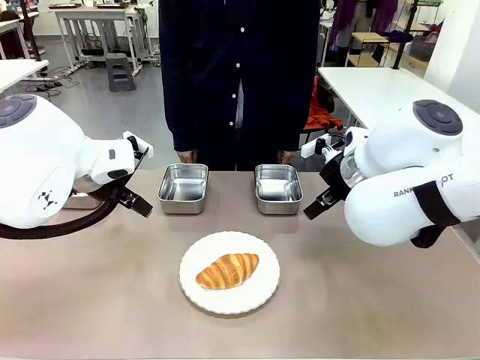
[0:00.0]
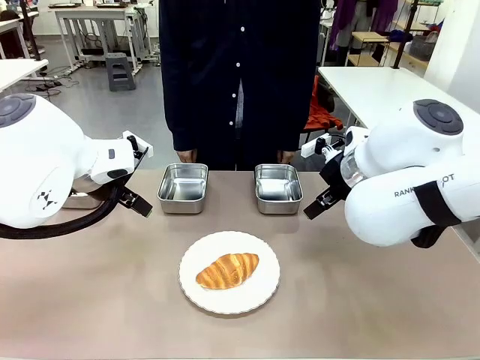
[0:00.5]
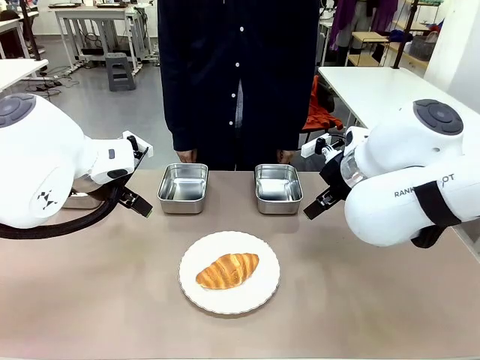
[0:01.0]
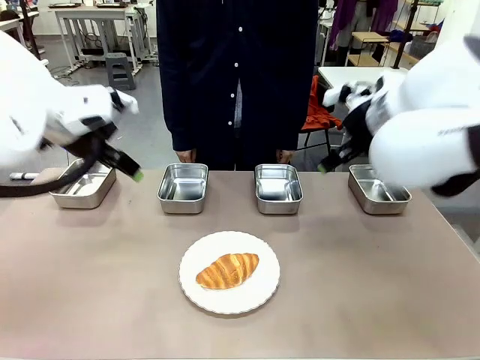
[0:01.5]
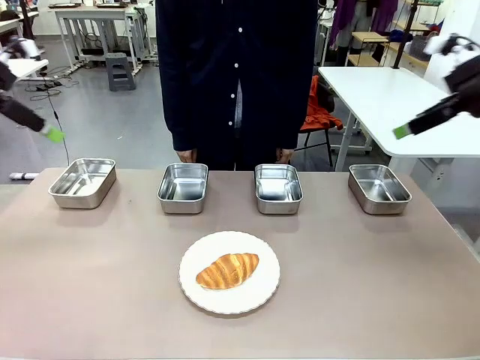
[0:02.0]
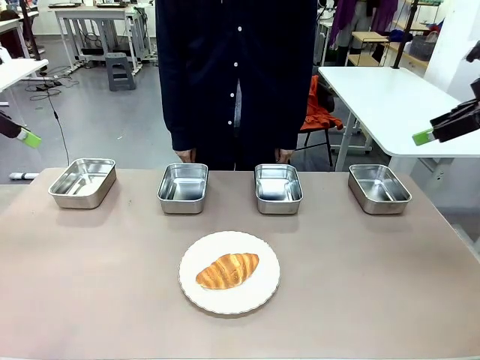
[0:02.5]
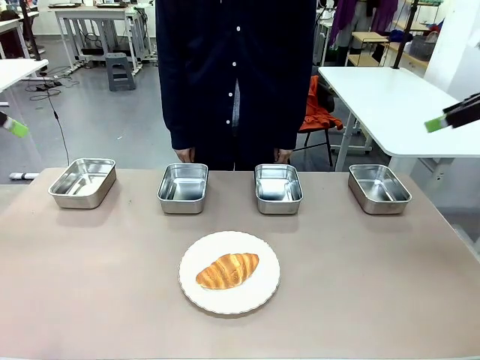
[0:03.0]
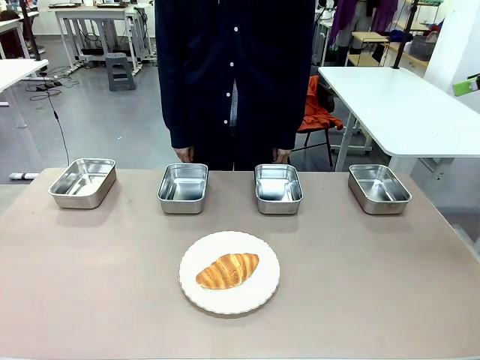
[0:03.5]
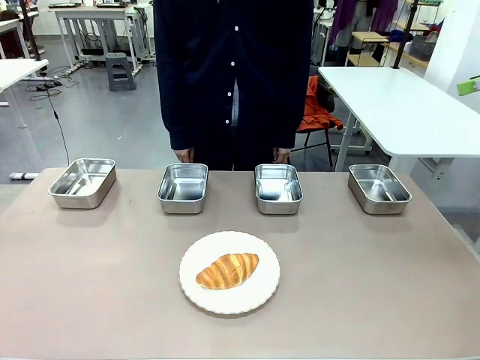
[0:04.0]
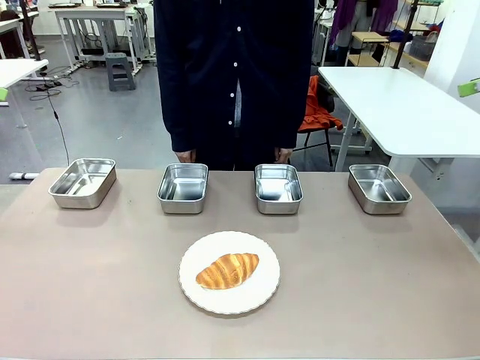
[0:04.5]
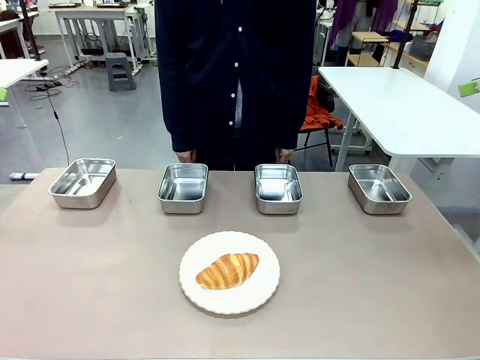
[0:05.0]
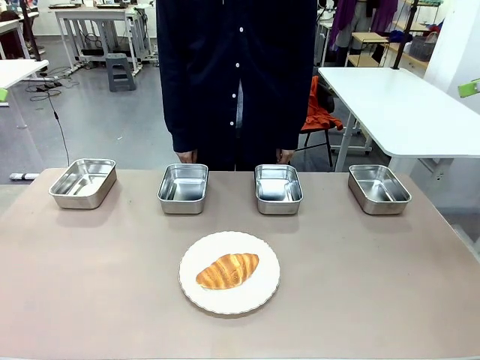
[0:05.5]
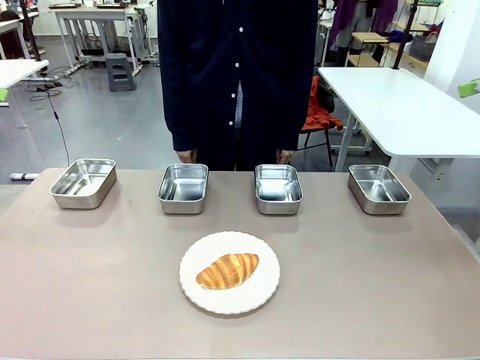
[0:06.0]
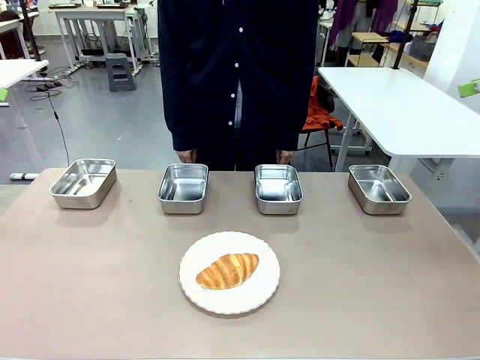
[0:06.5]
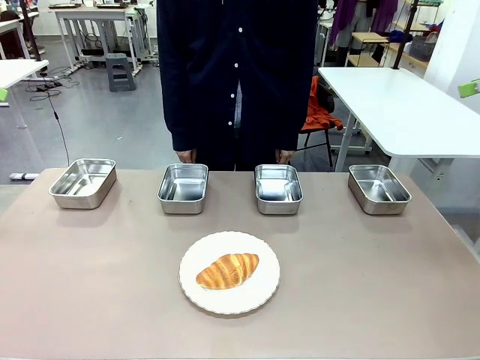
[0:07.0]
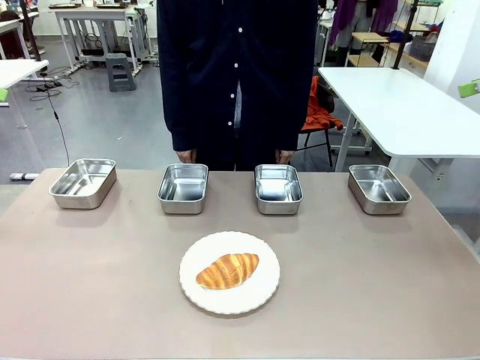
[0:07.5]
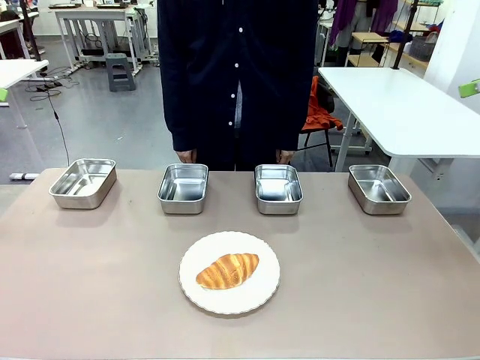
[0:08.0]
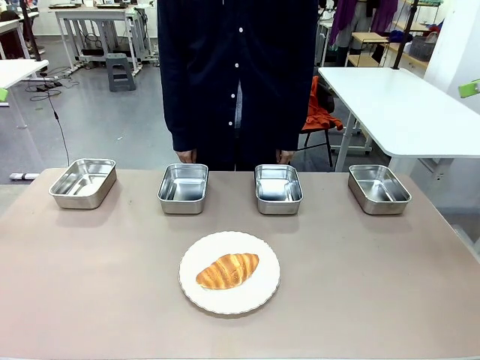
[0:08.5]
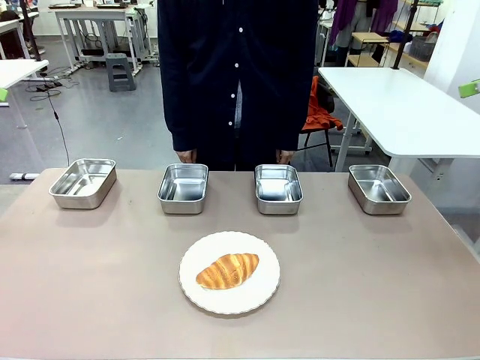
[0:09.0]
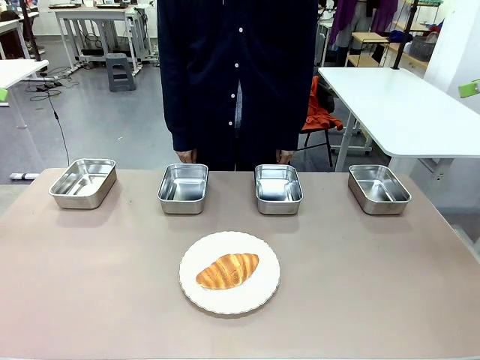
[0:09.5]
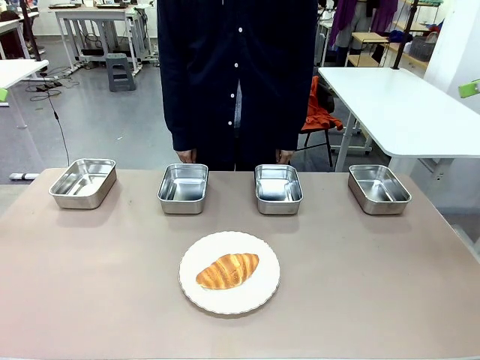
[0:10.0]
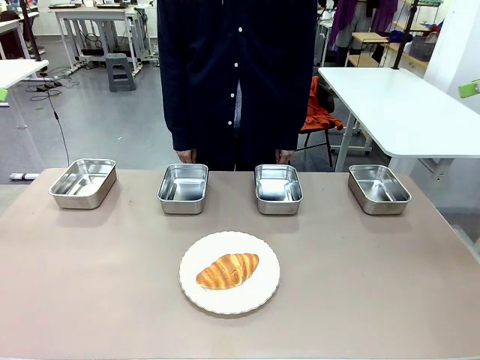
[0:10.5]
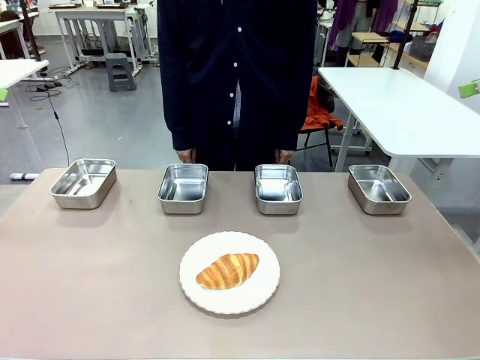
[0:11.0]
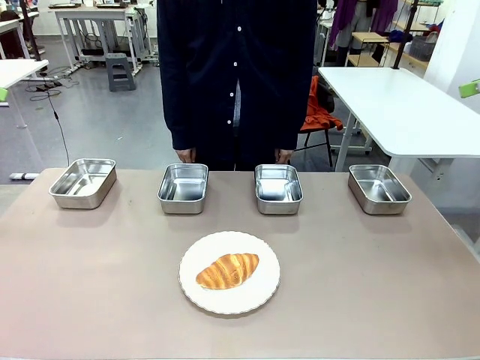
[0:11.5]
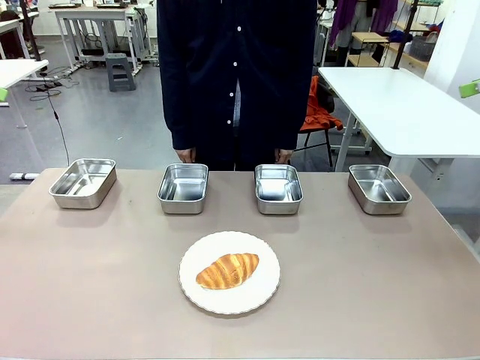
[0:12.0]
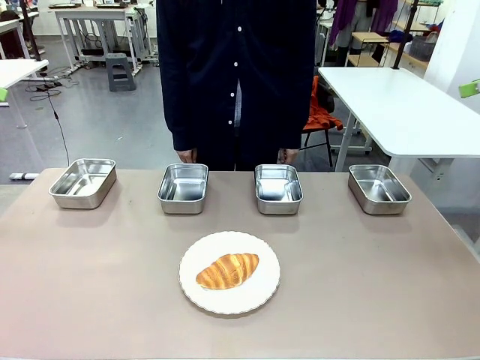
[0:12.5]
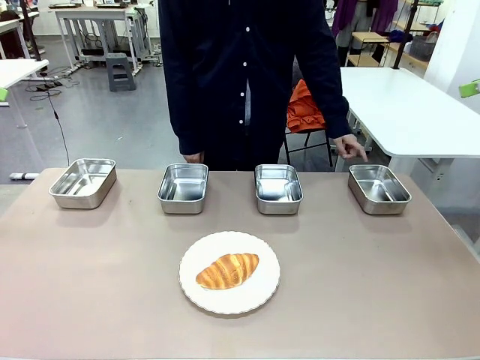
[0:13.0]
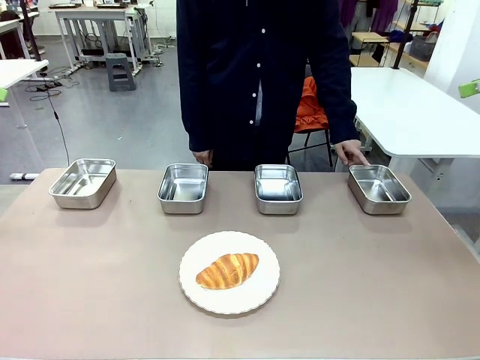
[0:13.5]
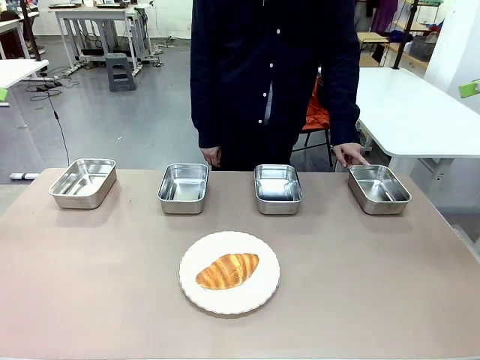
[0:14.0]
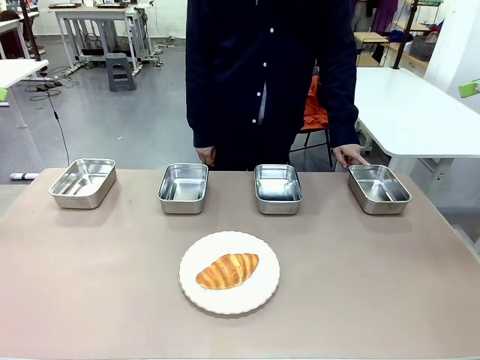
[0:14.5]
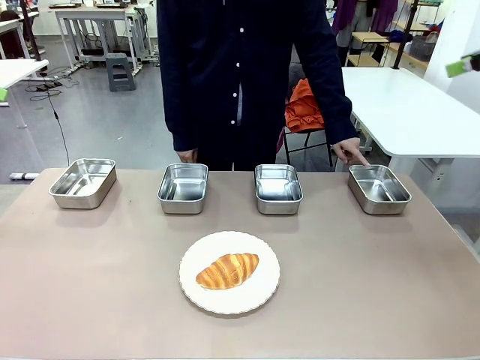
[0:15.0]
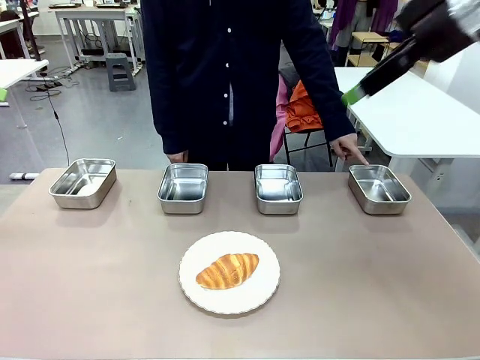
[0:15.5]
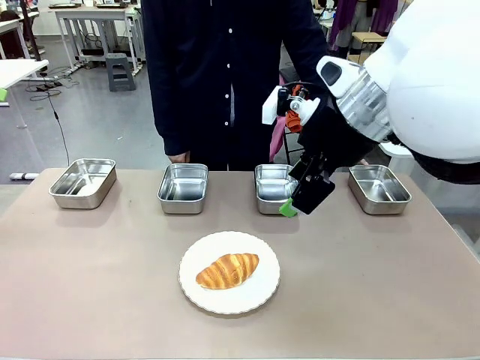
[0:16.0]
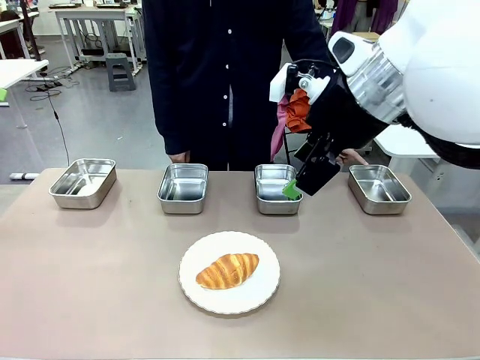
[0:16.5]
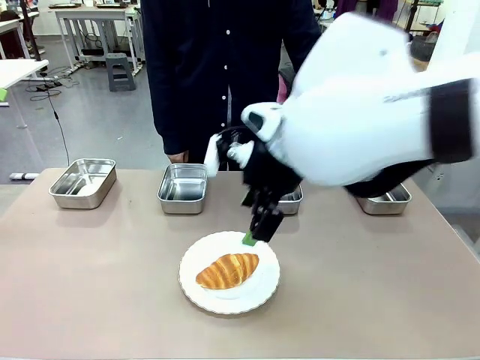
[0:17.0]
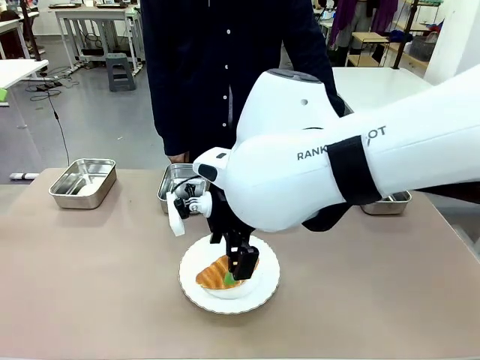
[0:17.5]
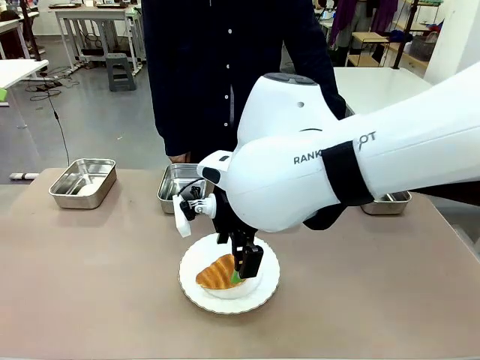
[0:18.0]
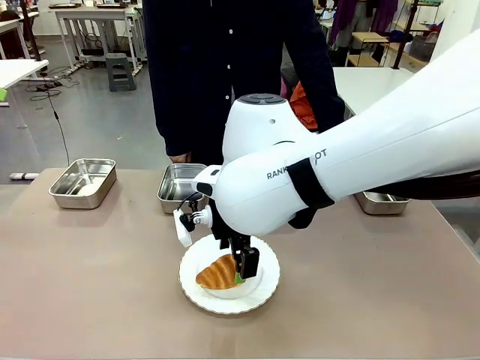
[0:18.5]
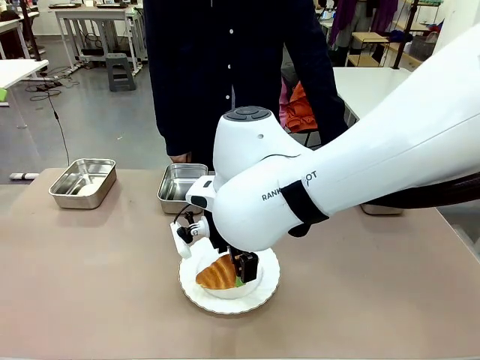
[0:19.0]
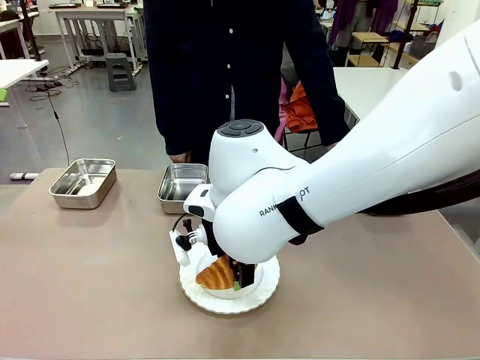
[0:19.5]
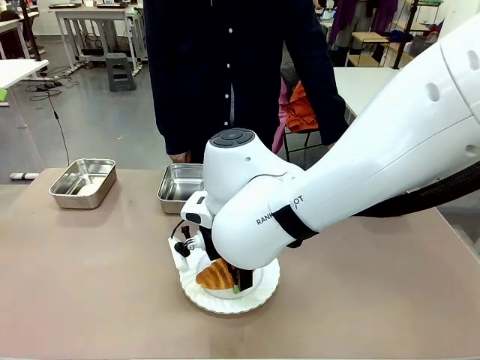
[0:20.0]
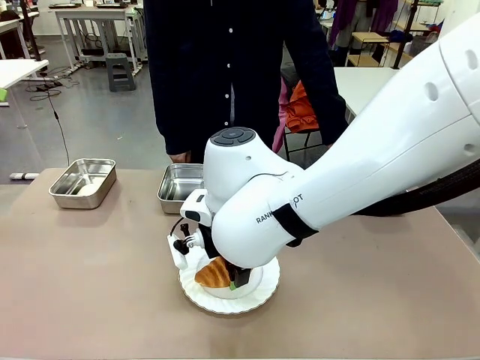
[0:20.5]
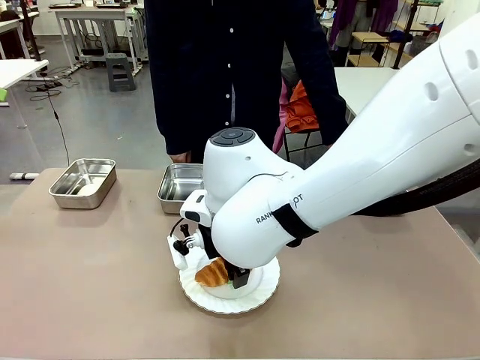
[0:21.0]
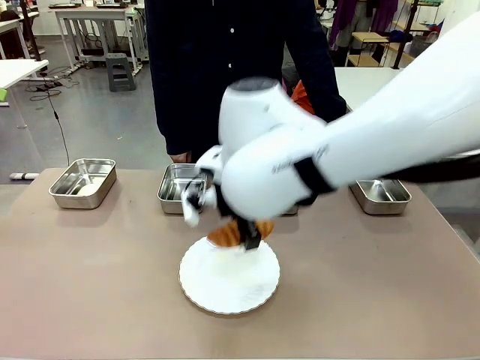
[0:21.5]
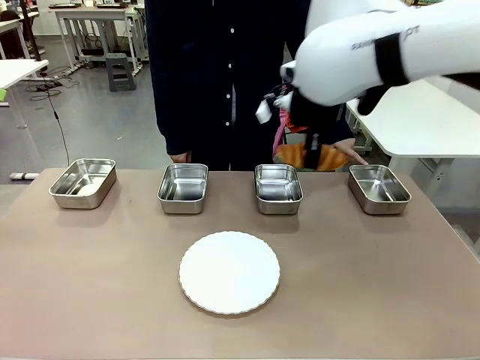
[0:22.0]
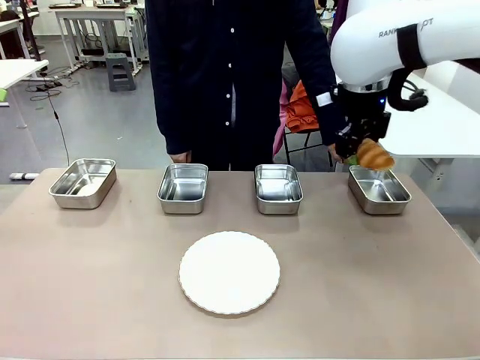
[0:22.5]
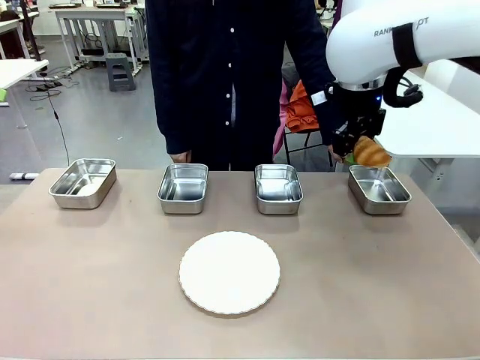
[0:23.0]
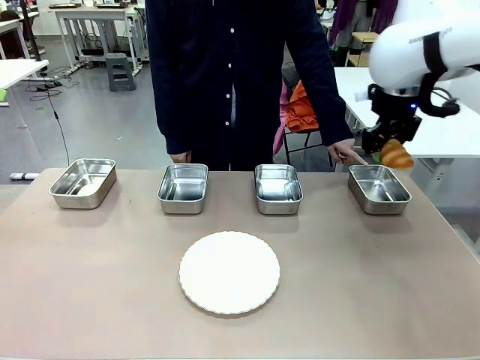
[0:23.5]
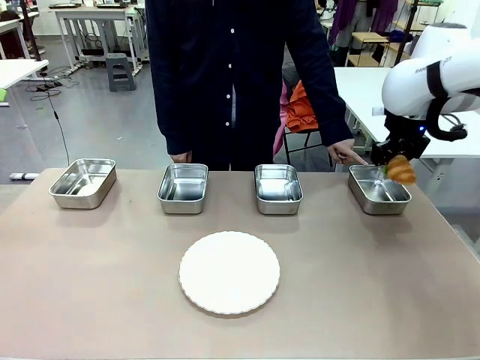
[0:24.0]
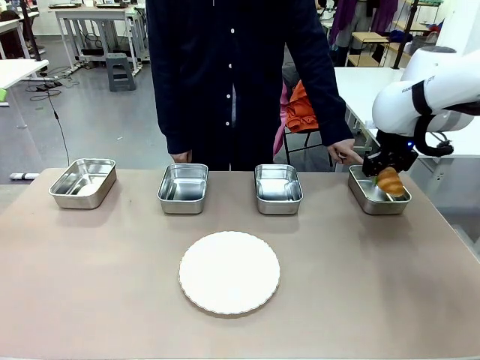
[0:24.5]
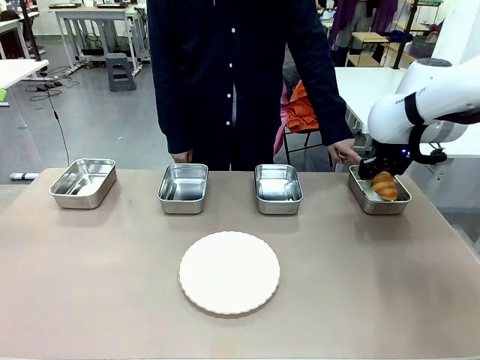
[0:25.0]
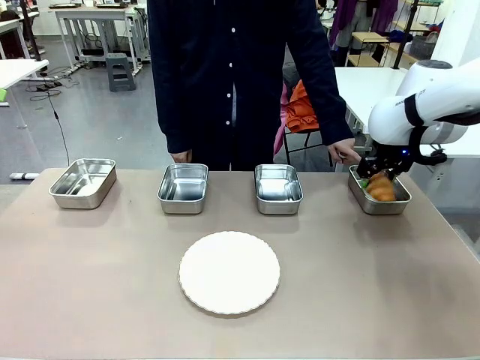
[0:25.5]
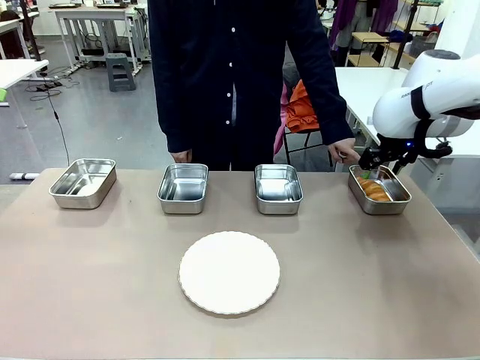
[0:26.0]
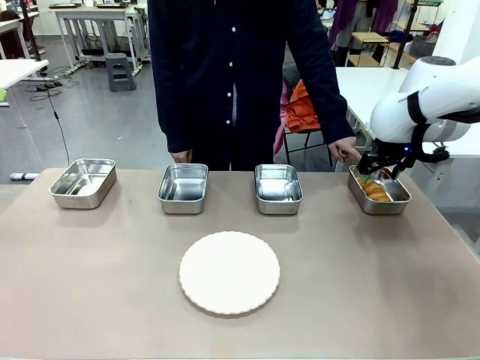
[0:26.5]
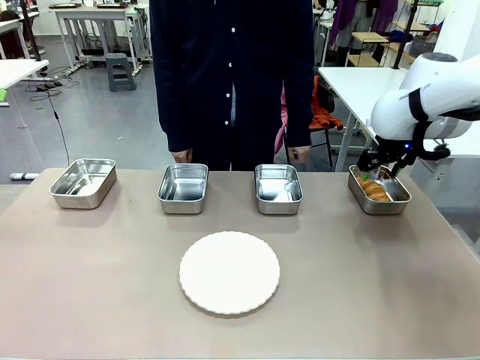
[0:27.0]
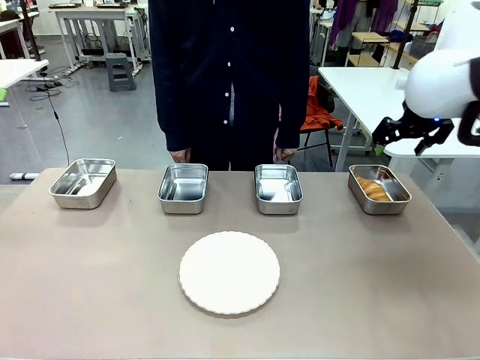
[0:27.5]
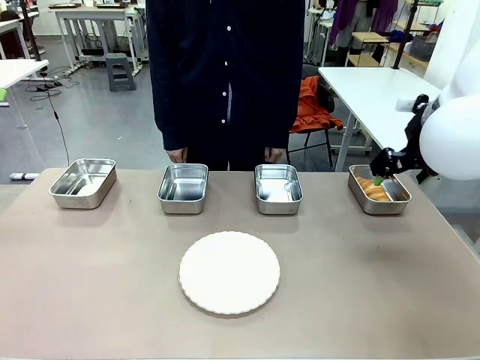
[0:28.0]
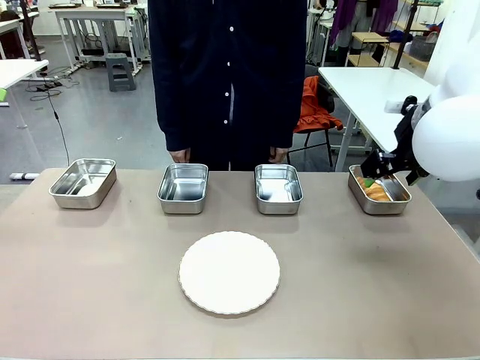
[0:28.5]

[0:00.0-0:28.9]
Task: Place the bread in the container.
Robot: Place the Butter Roll into the Airtight Container indicated by the human.
Person: A person randomly selects and points to an Airtight Container.
